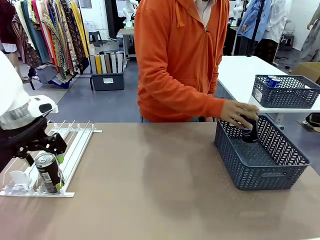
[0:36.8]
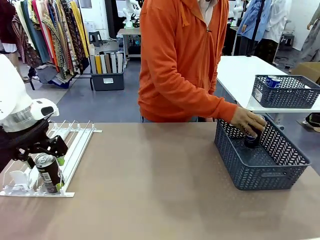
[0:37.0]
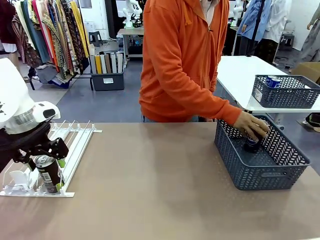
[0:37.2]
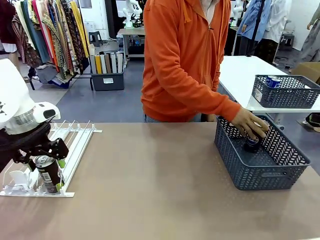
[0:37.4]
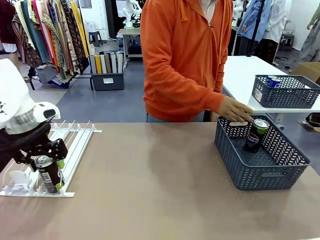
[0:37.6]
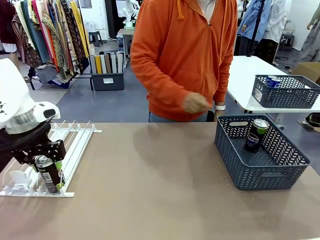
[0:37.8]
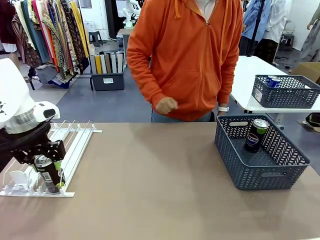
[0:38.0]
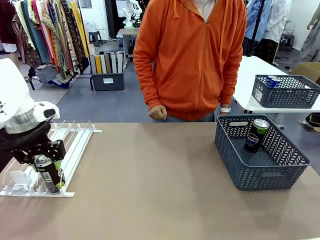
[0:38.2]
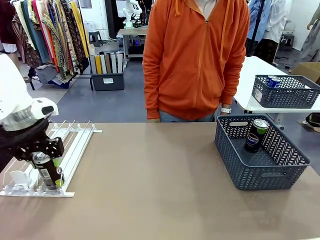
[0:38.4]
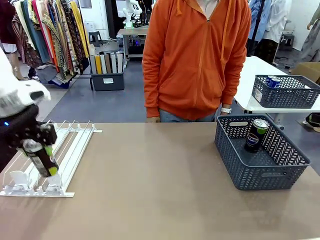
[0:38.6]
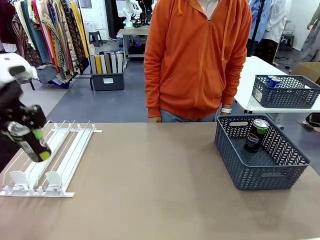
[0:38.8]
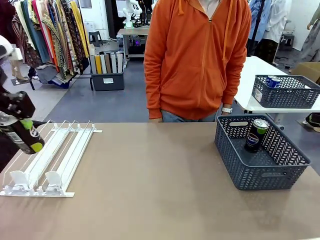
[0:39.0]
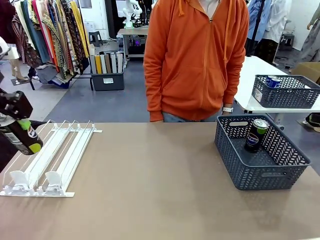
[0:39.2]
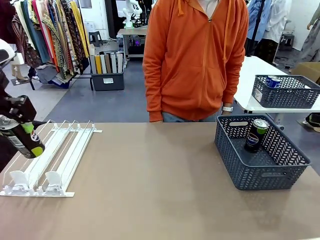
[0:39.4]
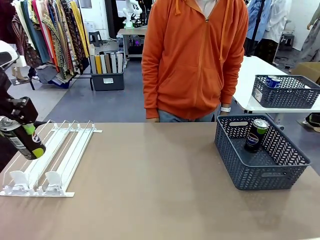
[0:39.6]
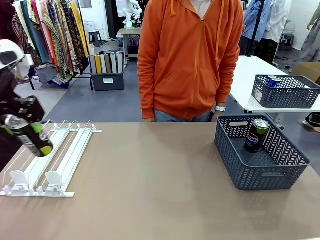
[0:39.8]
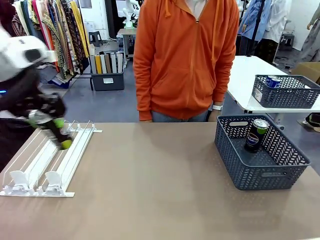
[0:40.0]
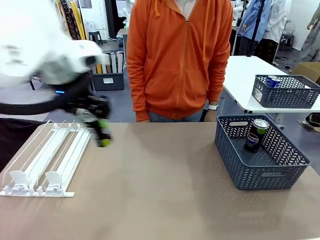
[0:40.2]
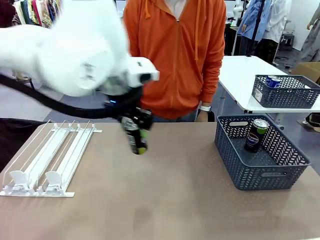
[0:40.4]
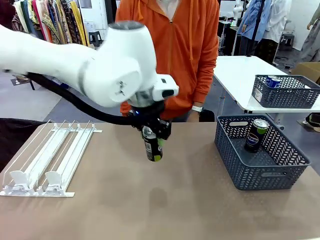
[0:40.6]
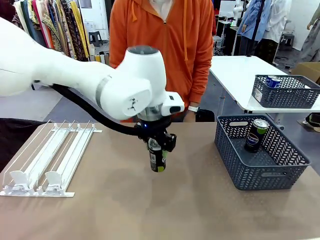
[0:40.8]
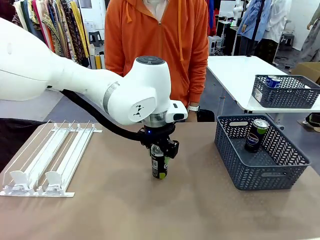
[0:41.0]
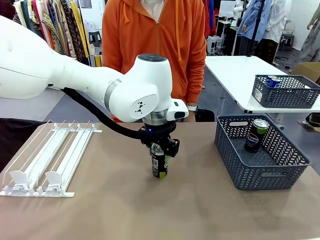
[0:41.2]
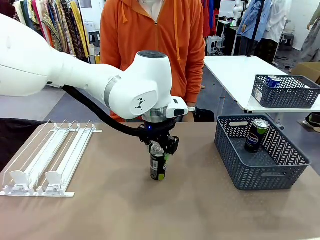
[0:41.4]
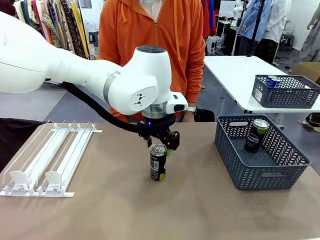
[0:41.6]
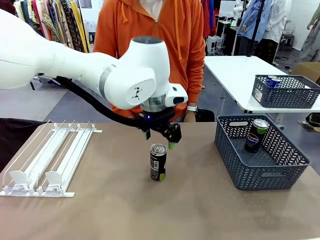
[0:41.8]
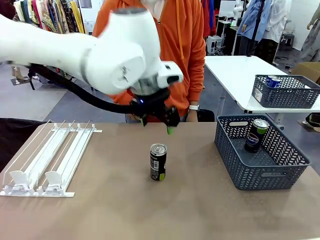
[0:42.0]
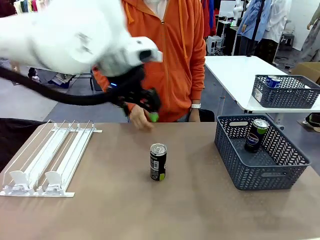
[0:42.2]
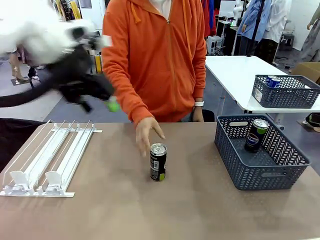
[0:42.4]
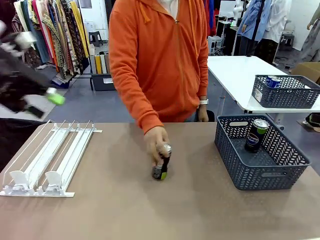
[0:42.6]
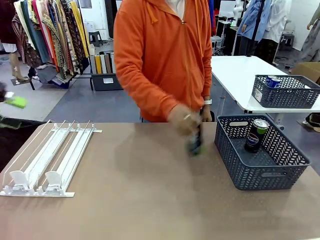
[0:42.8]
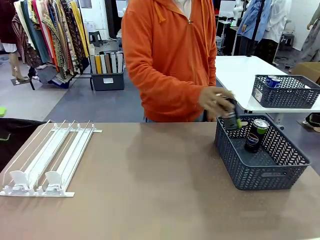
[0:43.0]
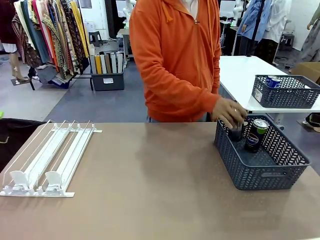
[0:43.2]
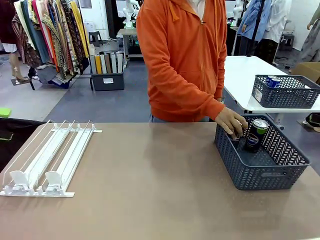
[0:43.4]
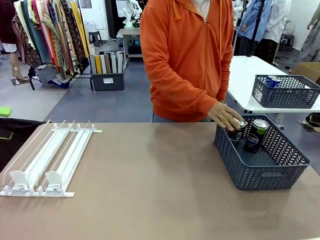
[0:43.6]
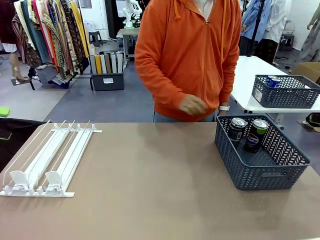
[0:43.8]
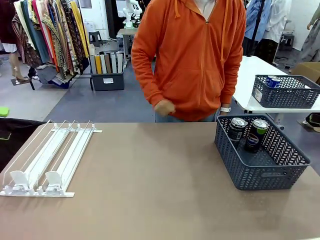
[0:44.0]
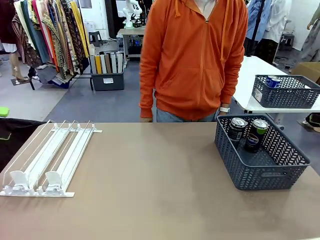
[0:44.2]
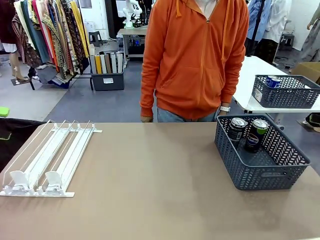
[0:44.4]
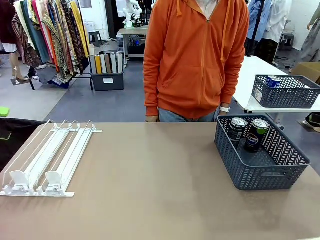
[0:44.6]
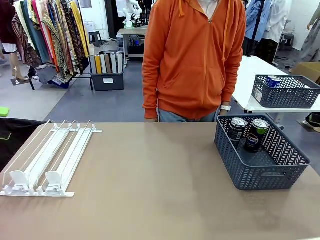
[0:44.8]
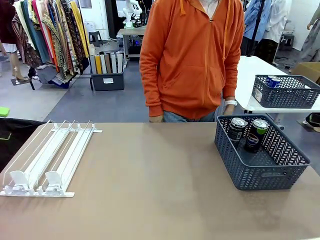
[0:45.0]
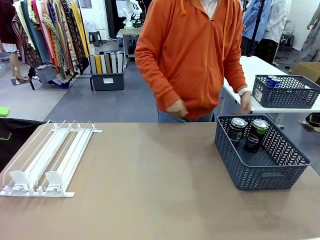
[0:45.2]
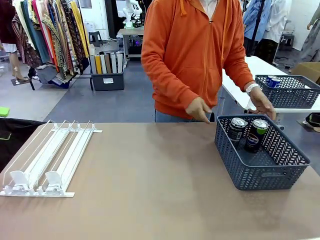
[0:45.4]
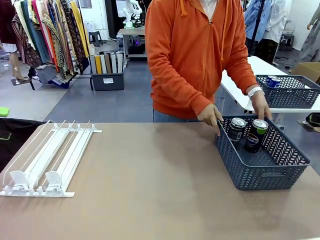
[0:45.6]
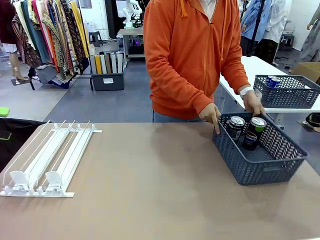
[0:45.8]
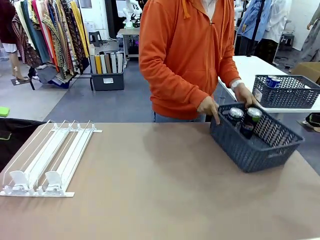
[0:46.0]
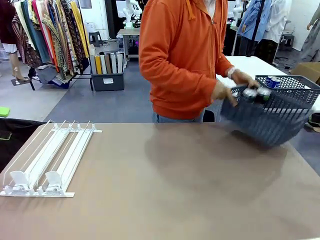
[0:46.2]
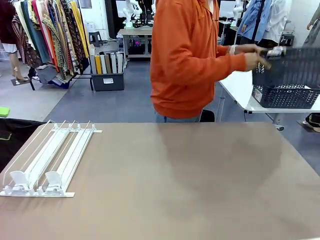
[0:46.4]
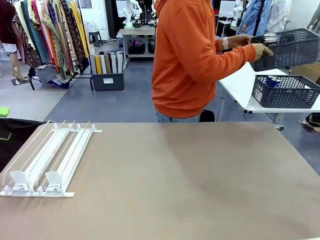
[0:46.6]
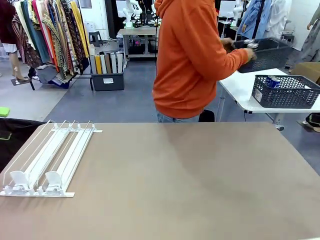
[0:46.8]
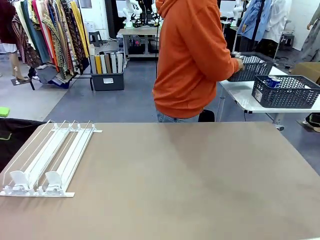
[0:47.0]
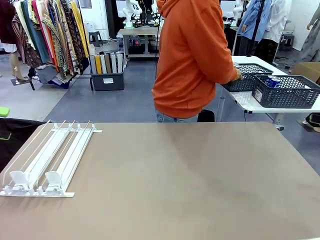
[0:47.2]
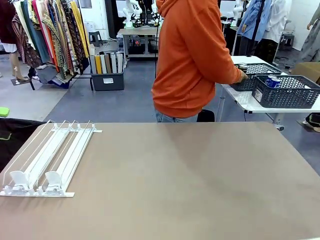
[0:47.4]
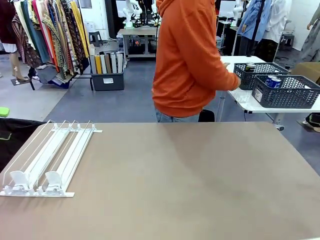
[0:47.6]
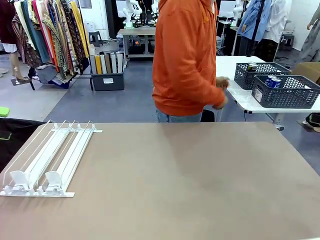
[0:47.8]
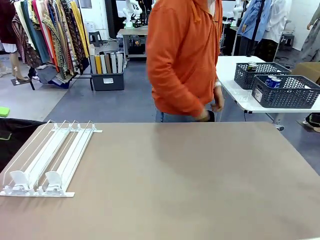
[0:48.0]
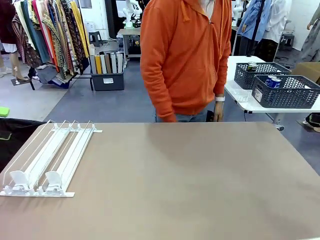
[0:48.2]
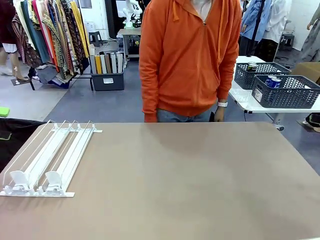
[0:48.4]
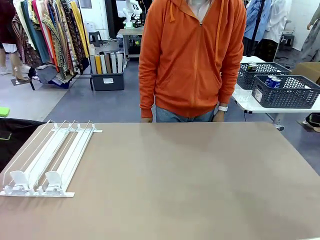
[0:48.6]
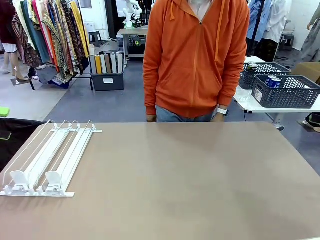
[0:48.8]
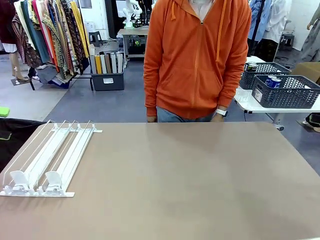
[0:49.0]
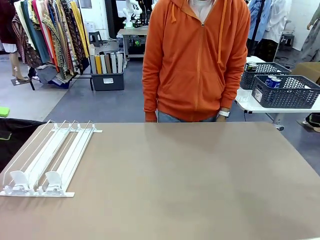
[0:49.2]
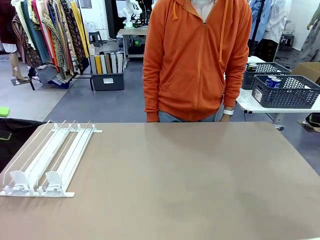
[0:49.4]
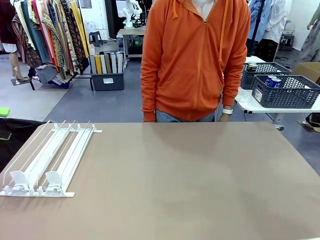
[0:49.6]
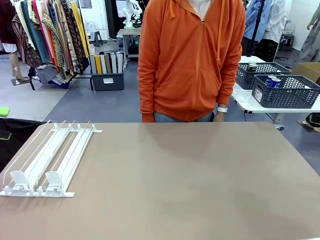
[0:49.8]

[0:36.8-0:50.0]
Task: Retrieve and store the cans from the dispenser.
Robot: Pick up one can from the Automatic Can Dispenser and place it in the middle of the table.
Person: Pick up one sports drink can from the middle of the robot table and place it in the basket. Pick up the basket and place it in the middle of the human table.
